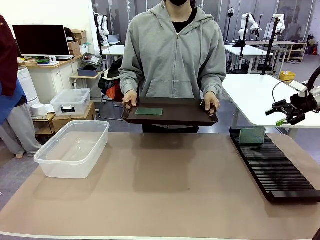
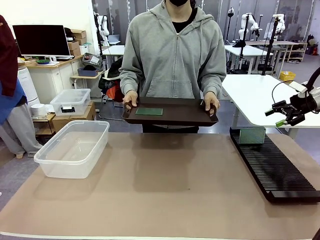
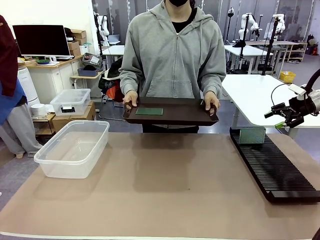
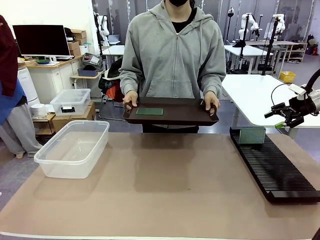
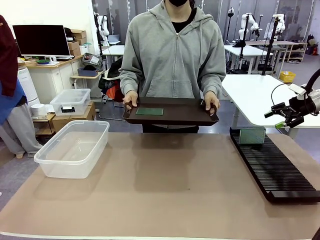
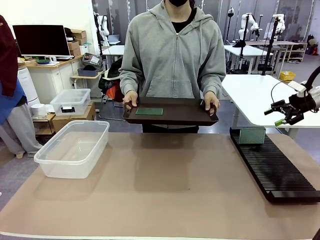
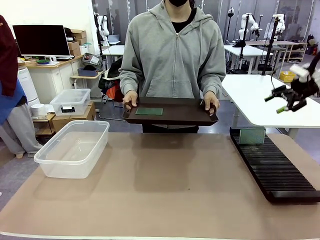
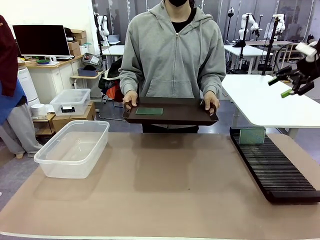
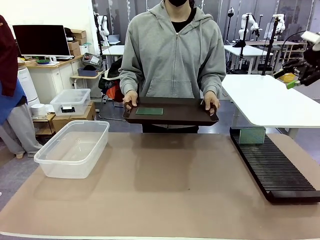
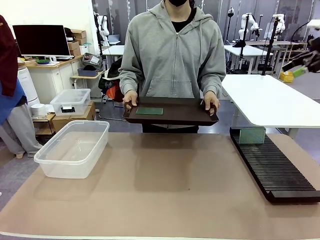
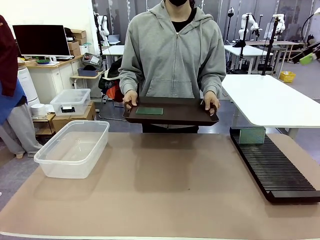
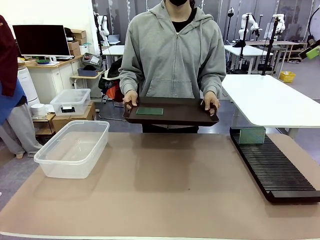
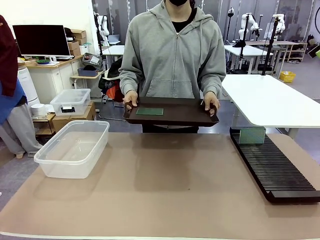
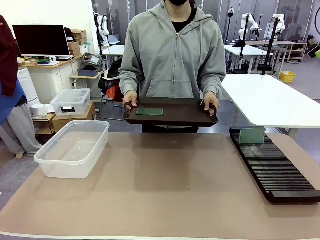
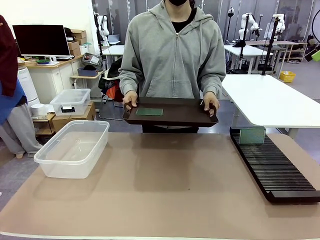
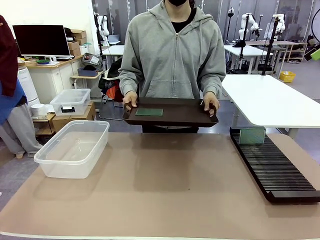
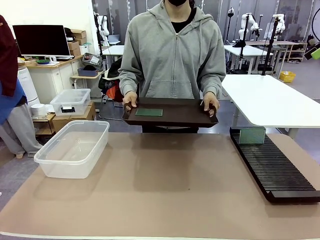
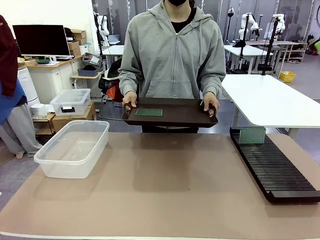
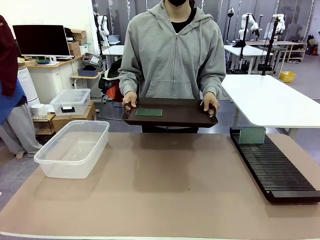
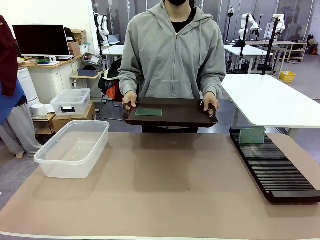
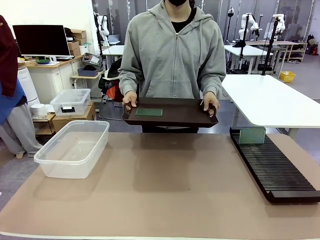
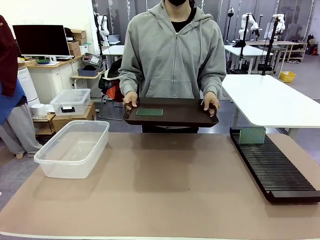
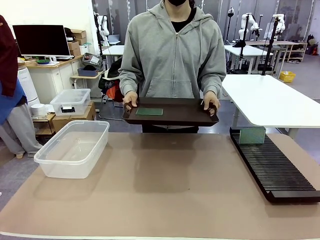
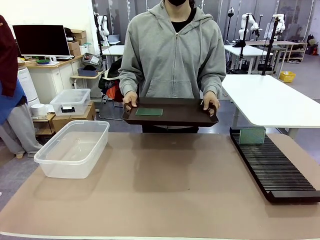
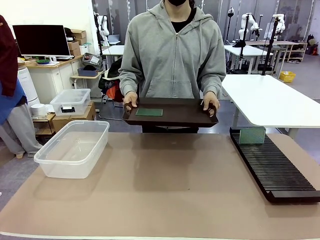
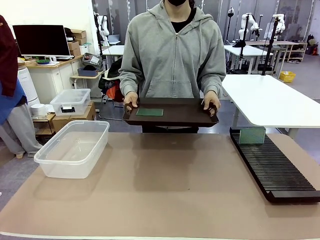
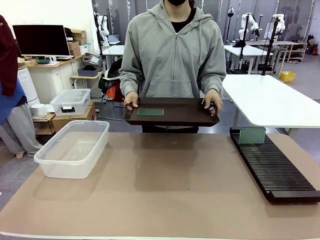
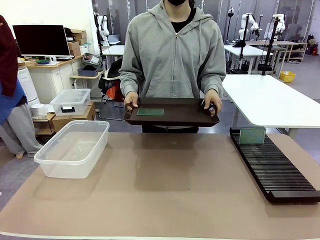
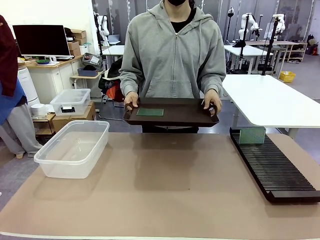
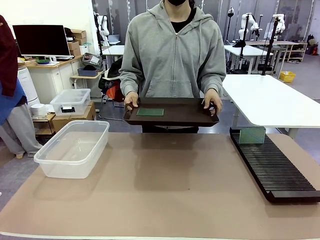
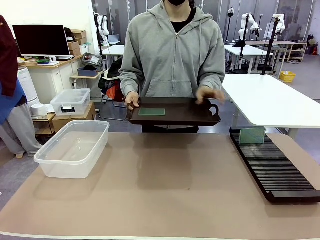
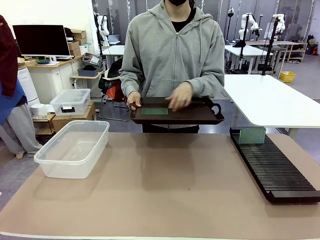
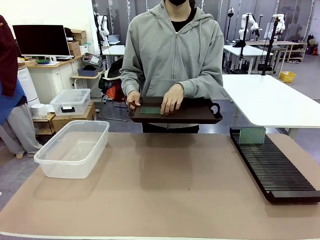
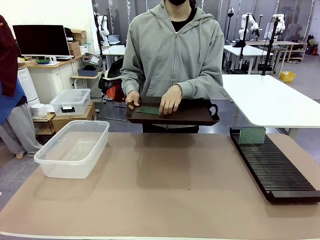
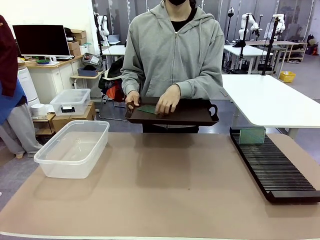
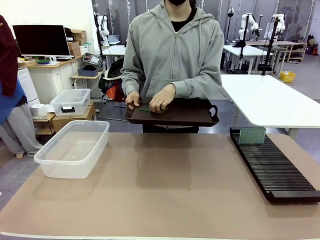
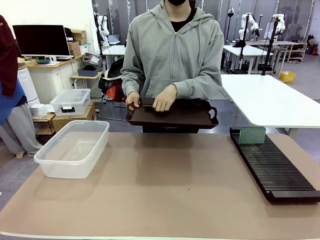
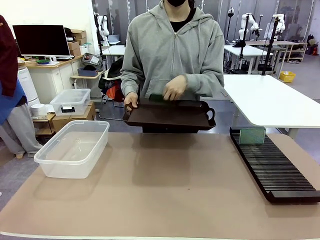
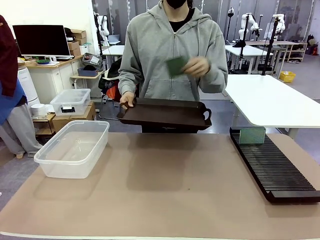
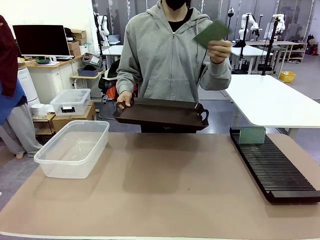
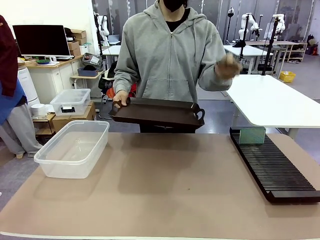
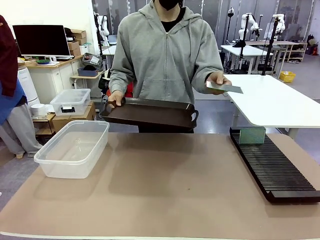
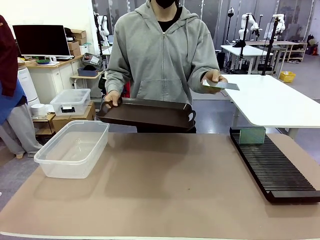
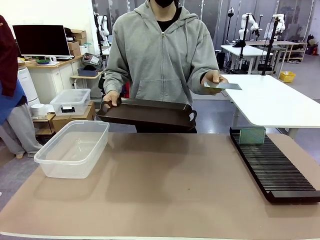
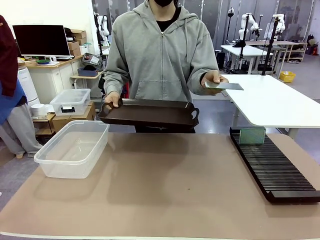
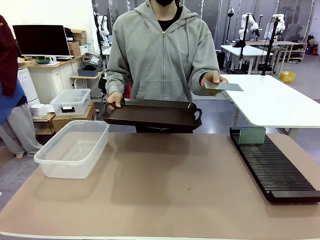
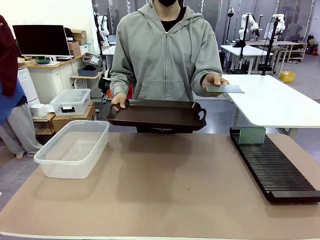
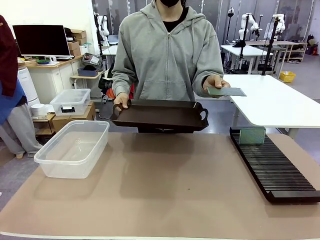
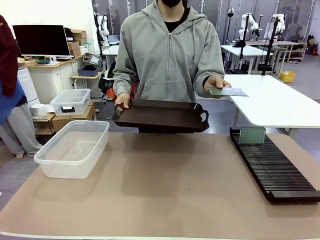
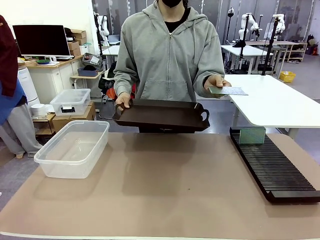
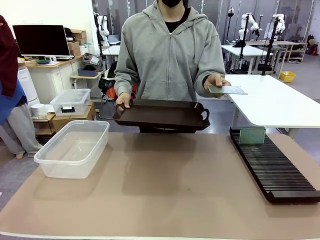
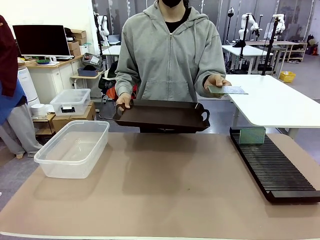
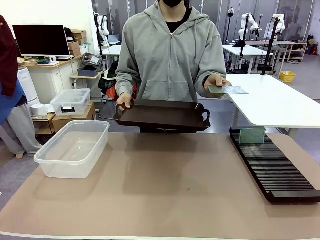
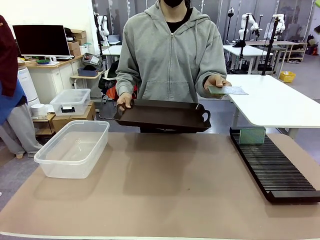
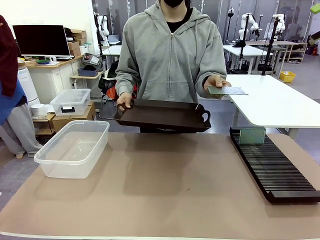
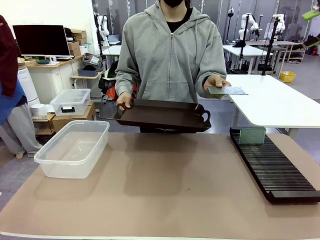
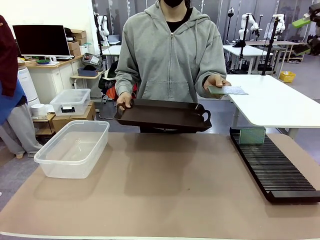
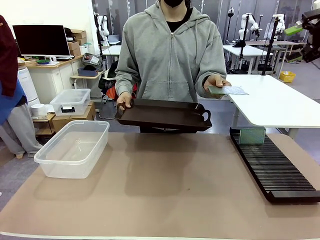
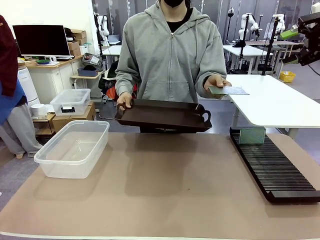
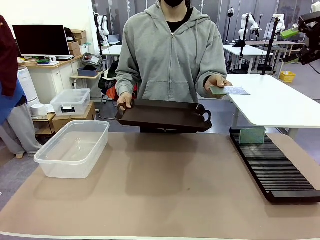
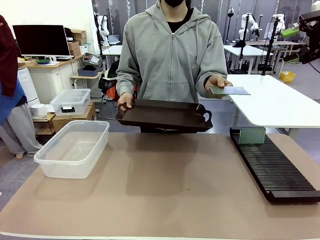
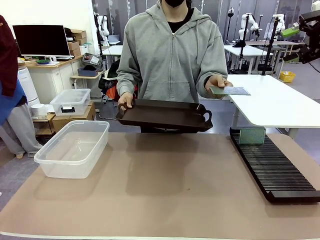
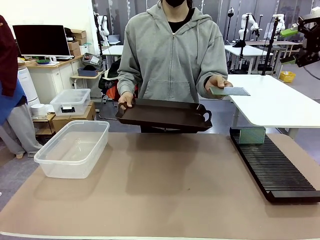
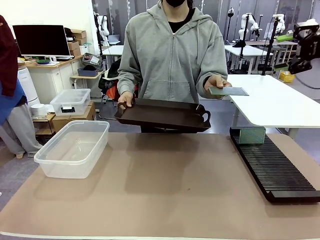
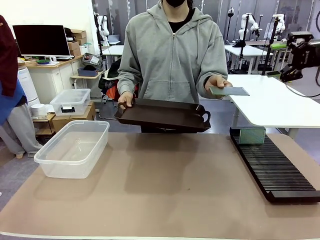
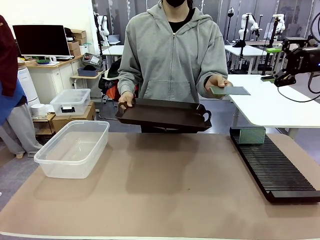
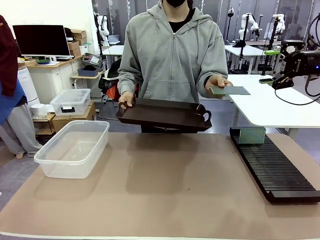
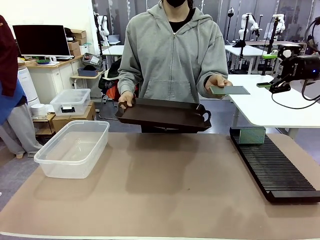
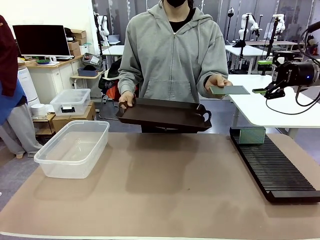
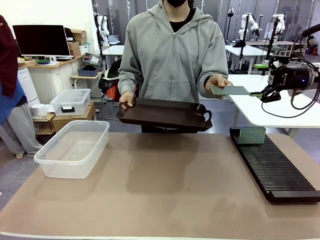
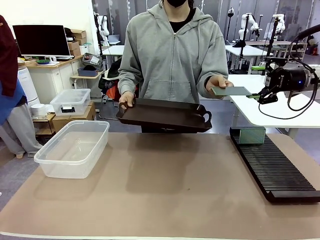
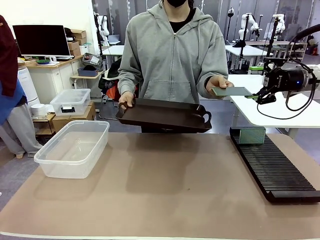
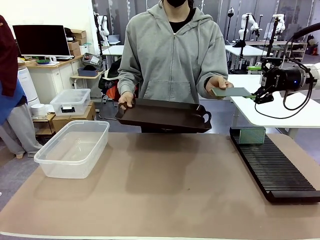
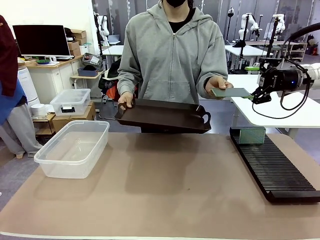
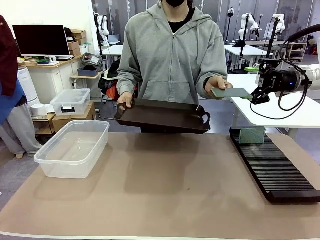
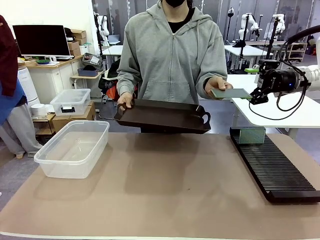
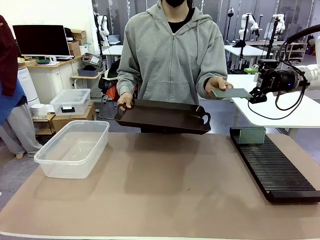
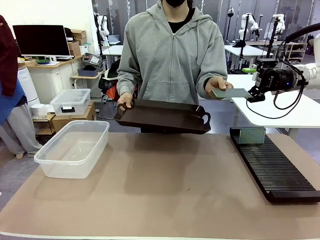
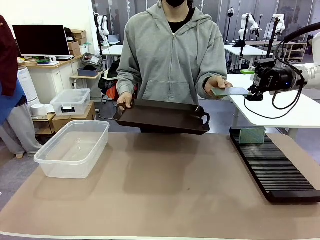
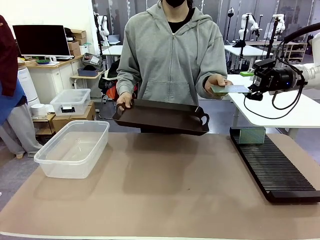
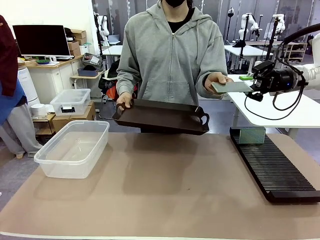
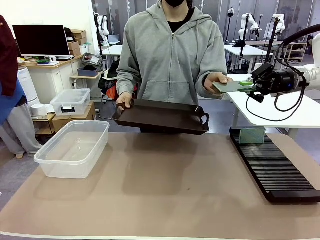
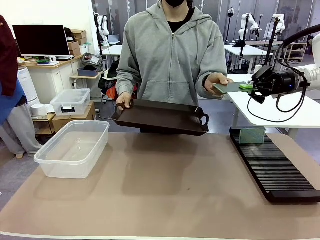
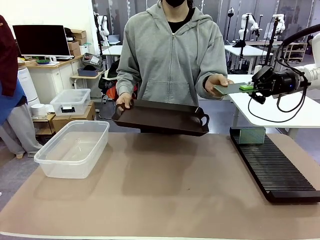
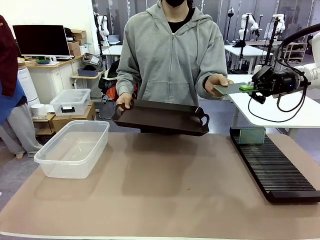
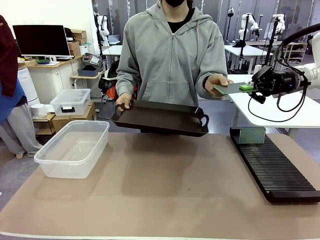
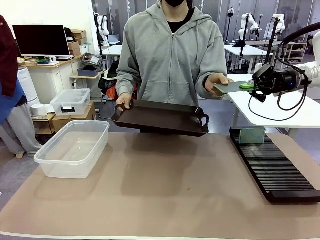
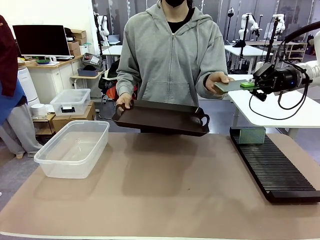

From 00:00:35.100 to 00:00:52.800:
Task: Sort PCBs into racks and boxes based on the side picked up.
Robot: Pick up the Blank PCB handed by the Human.
